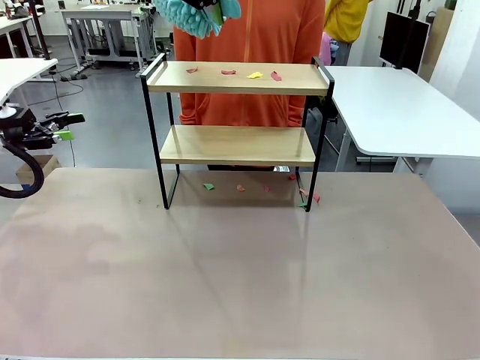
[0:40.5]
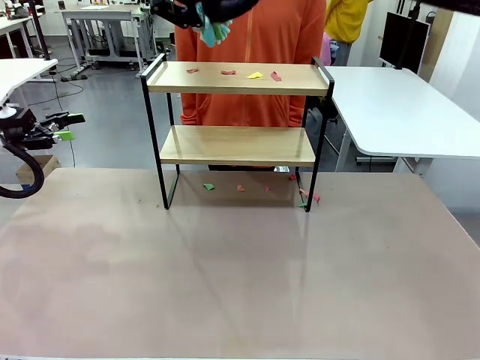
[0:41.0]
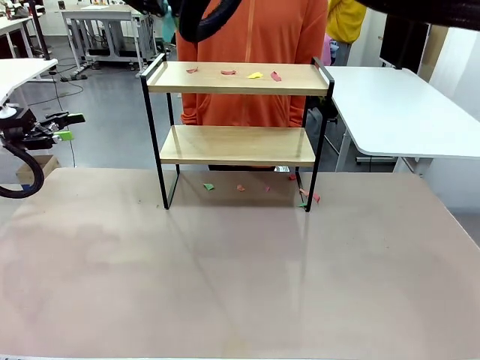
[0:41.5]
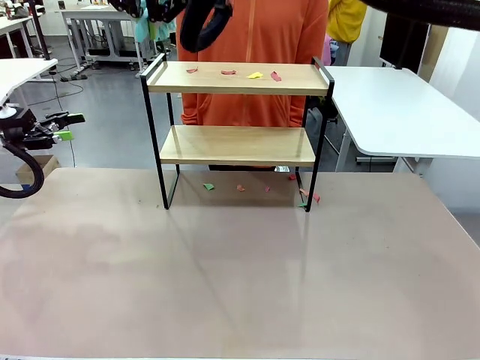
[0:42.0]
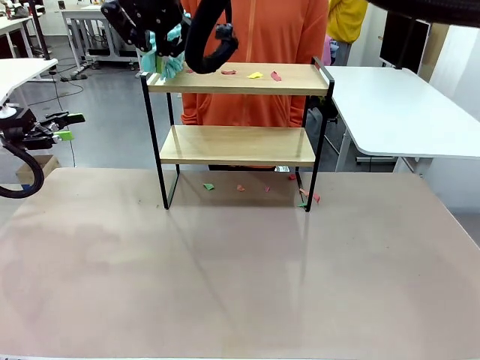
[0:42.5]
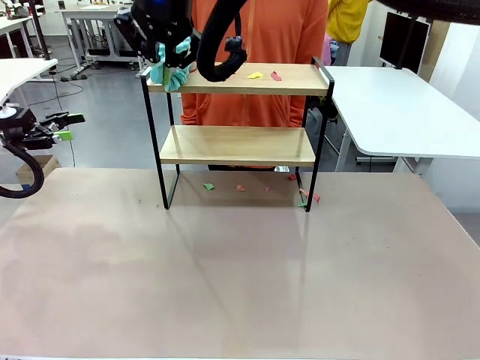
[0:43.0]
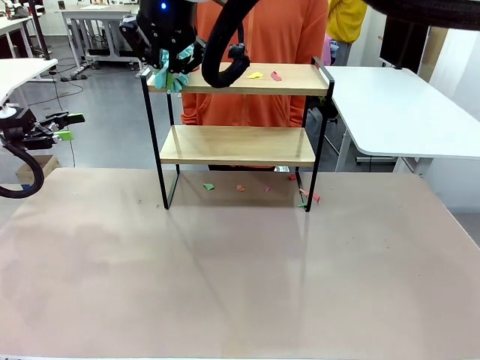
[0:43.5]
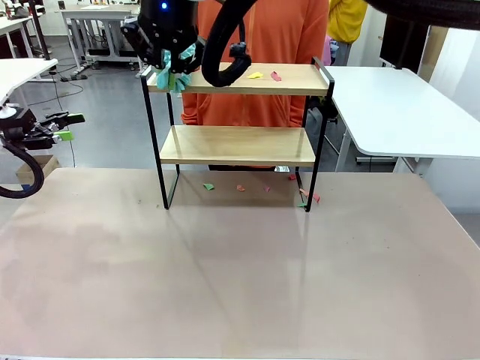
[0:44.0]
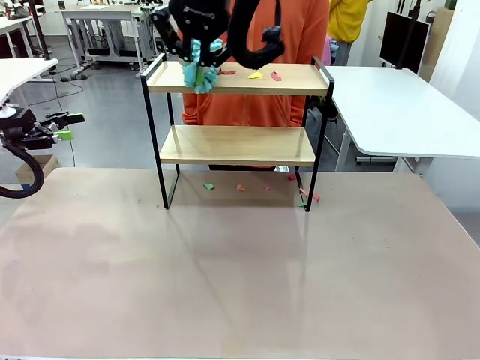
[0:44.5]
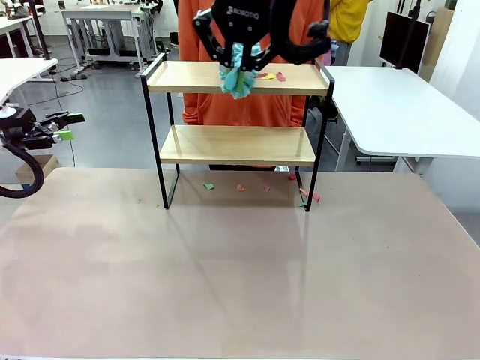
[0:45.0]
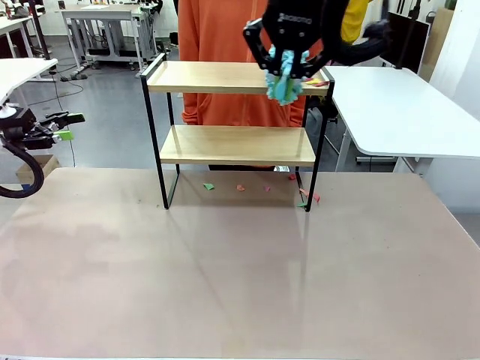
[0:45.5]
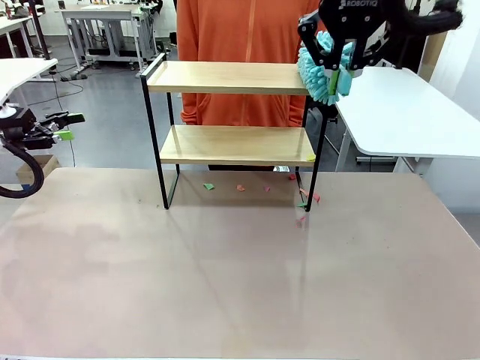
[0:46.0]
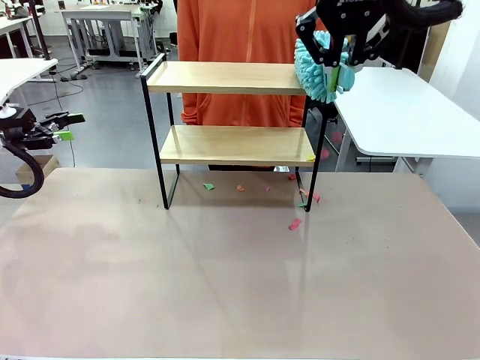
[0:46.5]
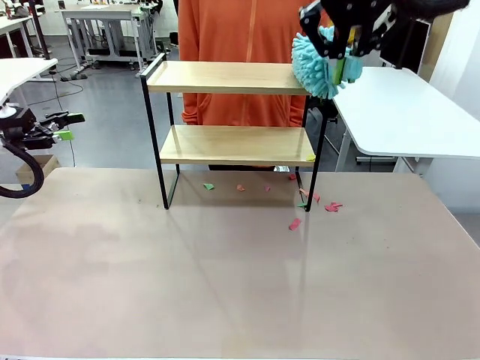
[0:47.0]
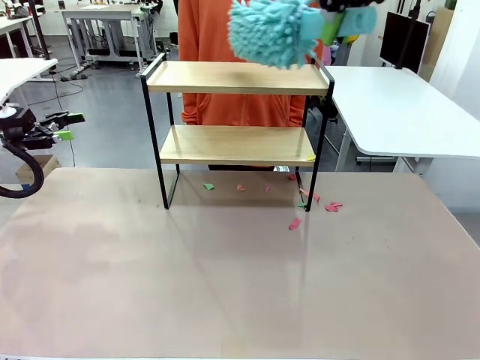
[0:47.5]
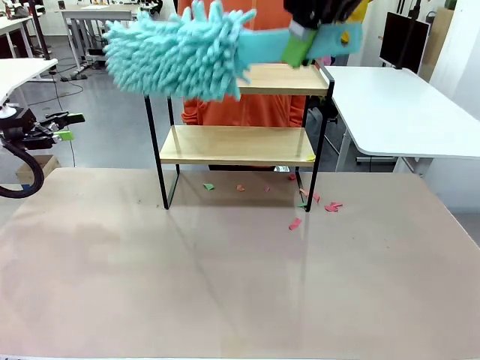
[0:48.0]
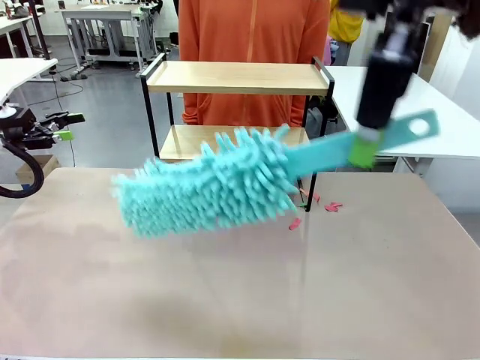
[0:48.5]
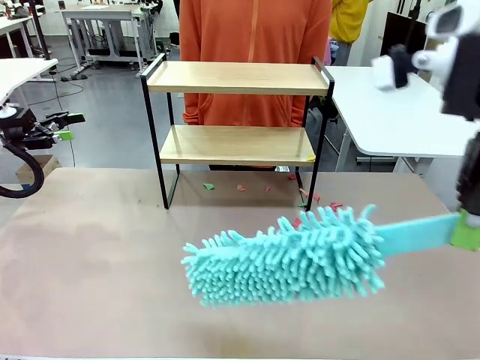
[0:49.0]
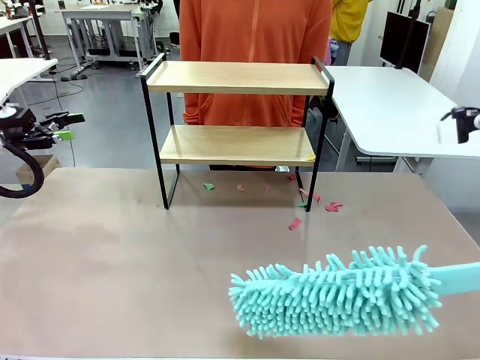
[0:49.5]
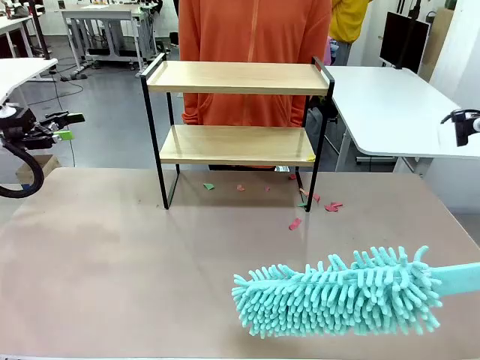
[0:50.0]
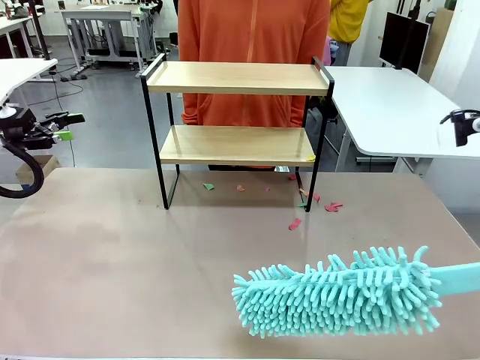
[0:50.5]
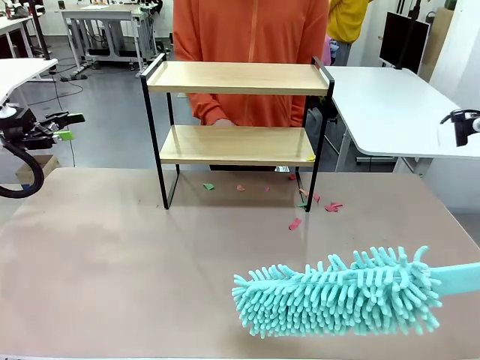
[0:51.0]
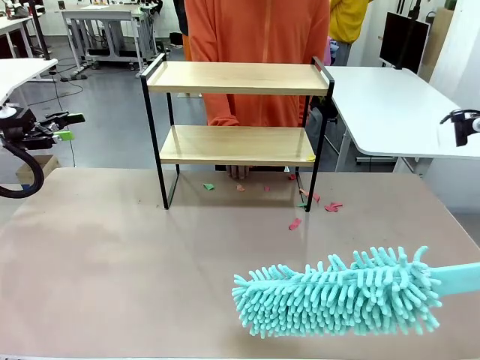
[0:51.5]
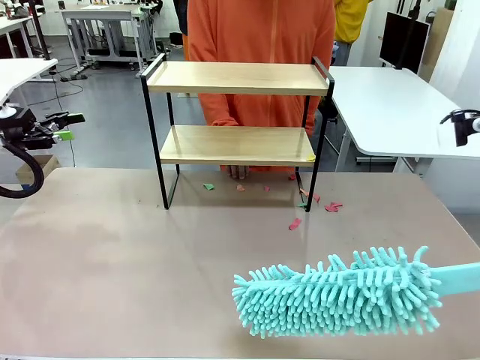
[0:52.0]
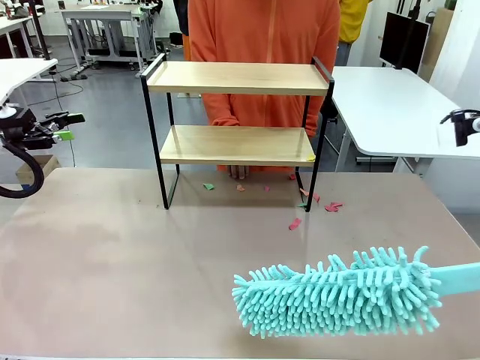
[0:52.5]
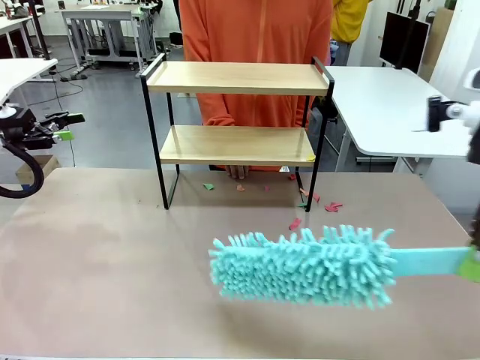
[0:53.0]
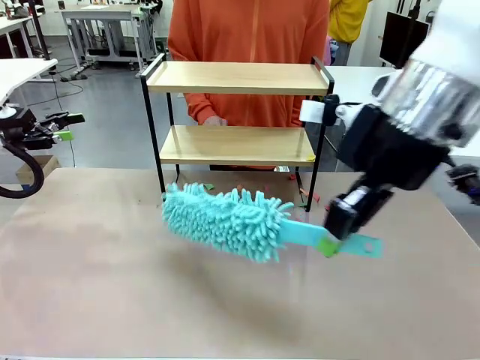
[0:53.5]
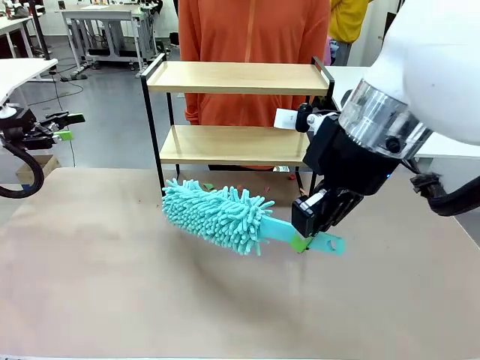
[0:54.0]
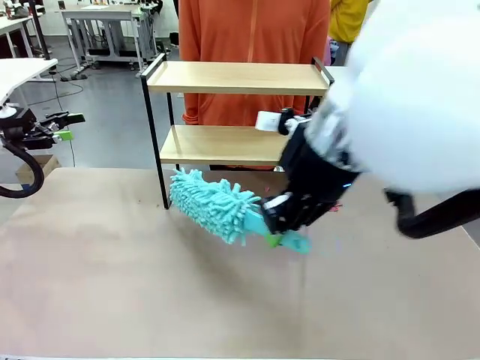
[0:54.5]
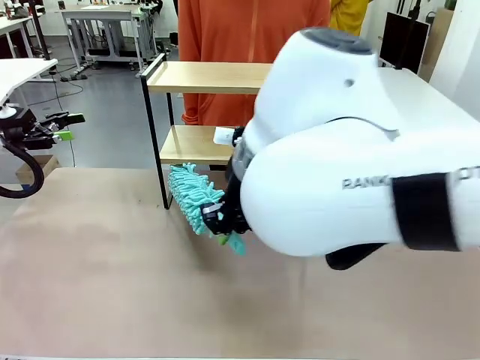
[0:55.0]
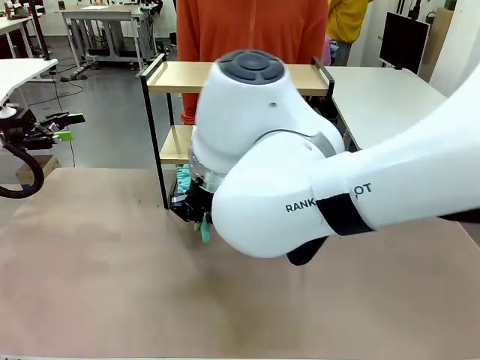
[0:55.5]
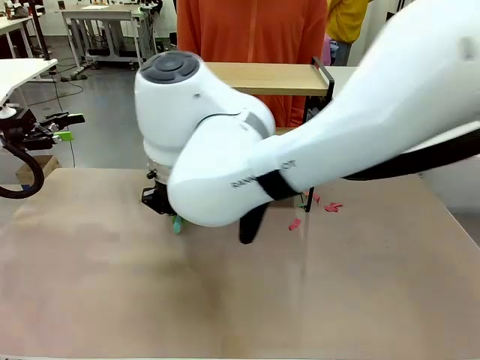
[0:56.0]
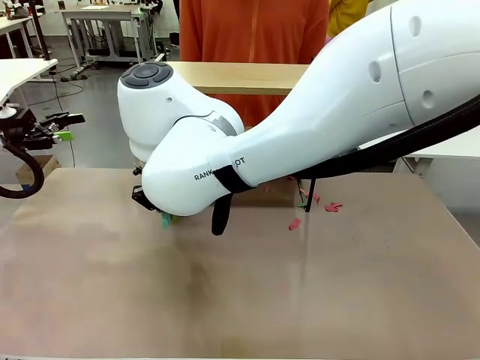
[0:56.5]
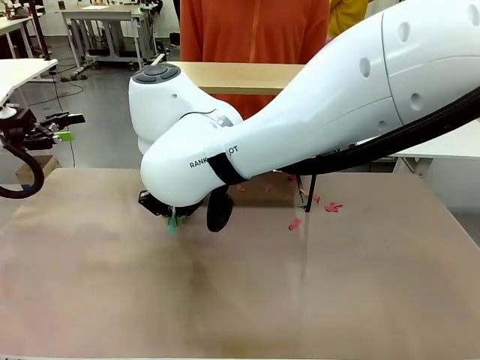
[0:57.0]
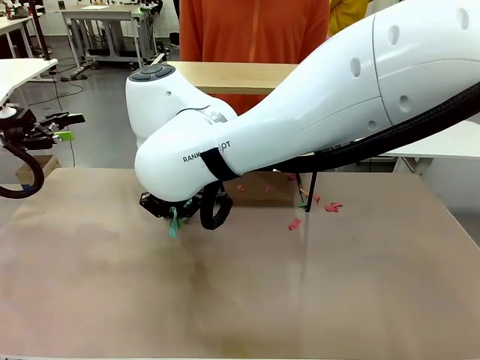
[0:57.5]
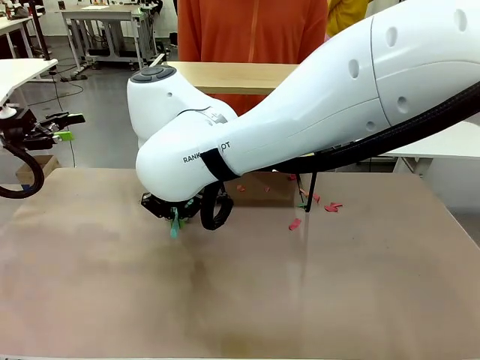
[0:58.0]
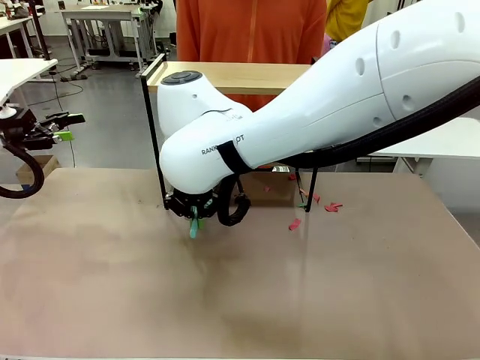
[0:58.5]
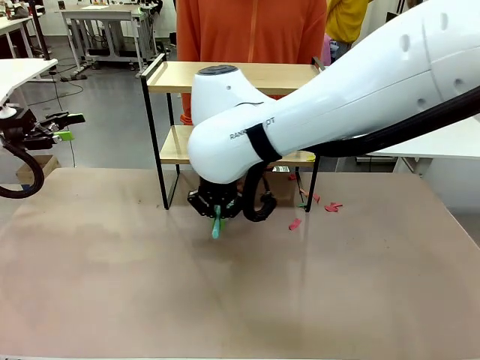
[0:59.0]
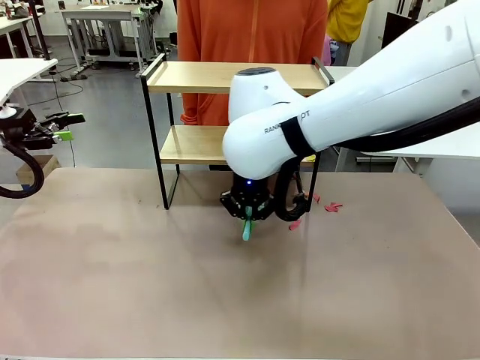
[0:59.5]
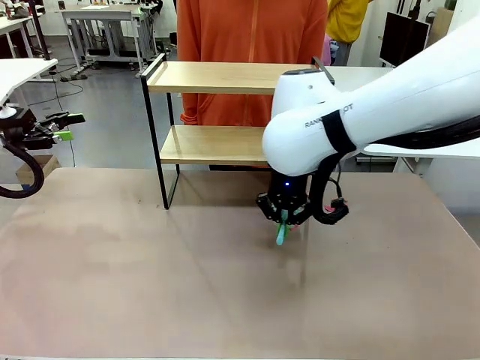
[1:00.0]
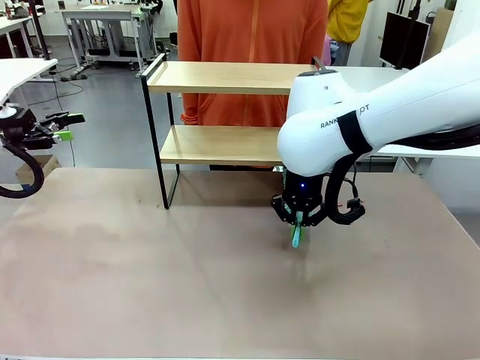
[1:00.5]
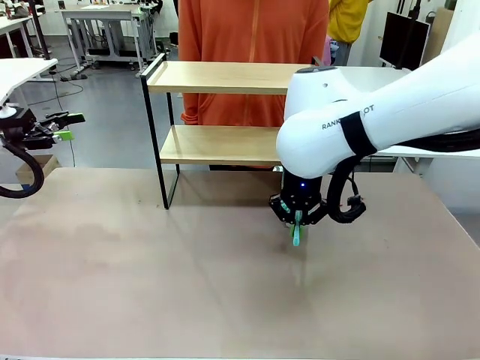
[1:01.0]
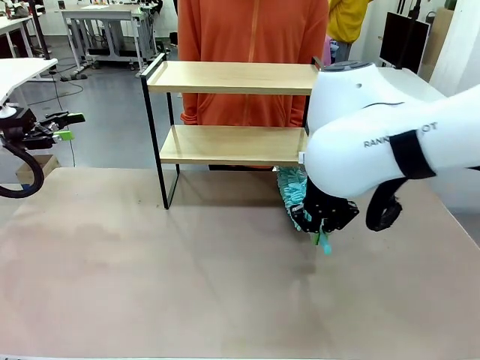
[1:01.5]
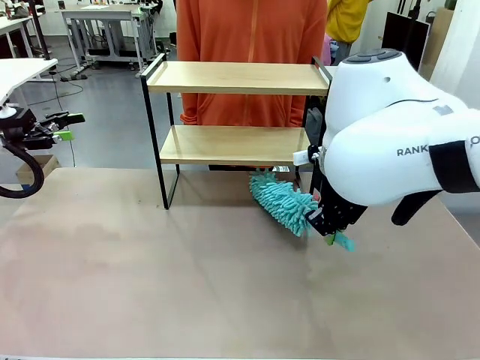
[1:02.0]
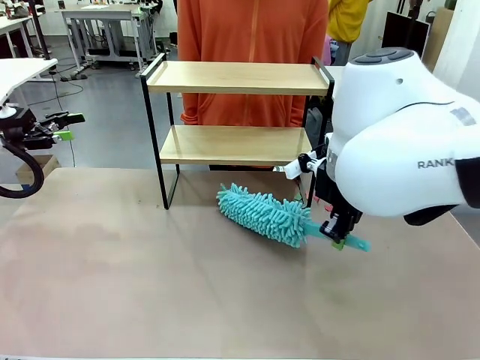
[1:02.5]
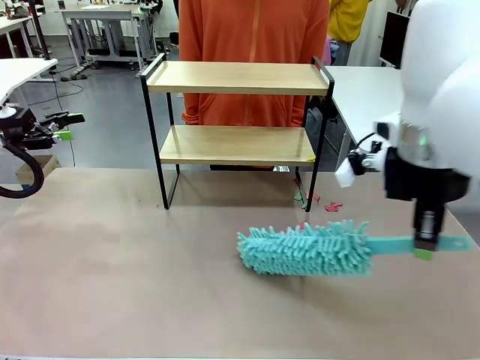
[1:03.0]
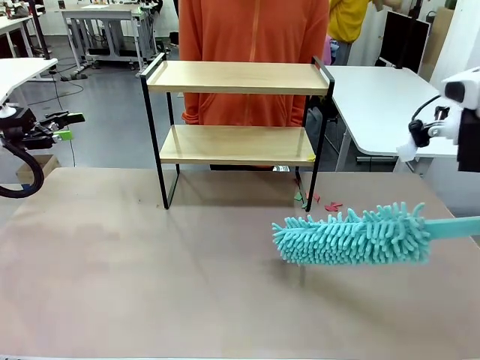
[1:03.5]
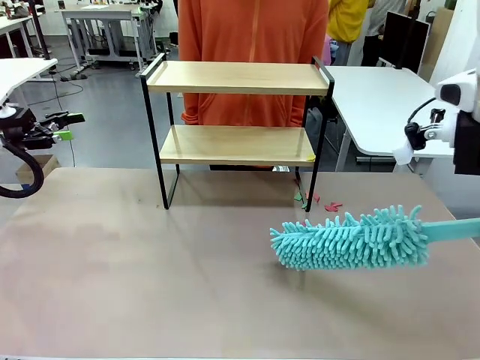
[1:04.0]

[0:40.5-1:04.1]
Task: Clean the shelf.
Robot: Clean the specific section of the Shelf indicated by the human with the Duster.
Person: Point a remaining section of the Shelf.
